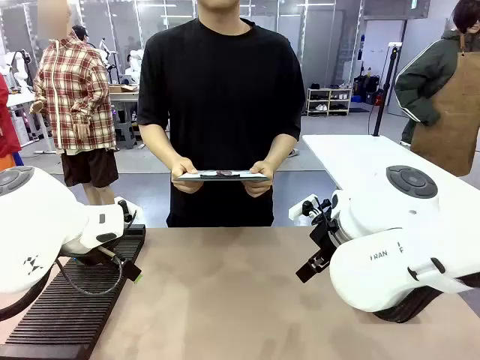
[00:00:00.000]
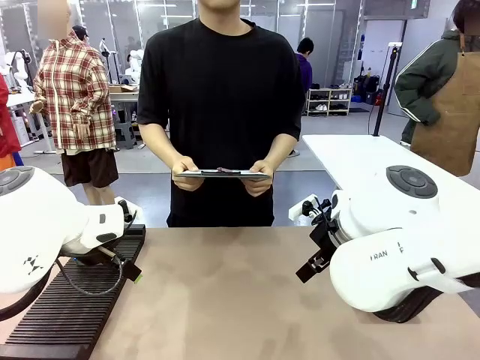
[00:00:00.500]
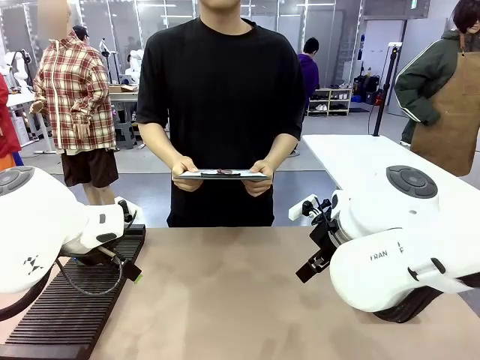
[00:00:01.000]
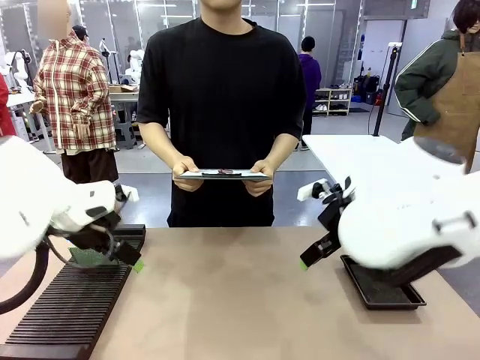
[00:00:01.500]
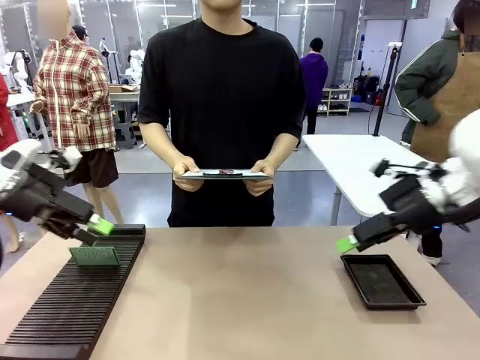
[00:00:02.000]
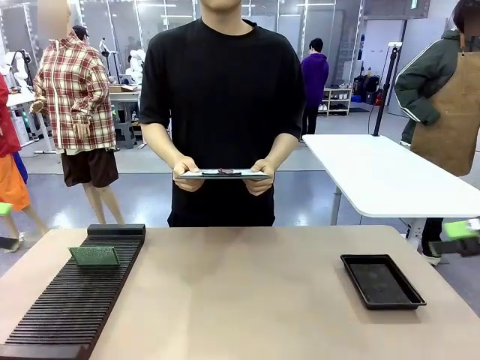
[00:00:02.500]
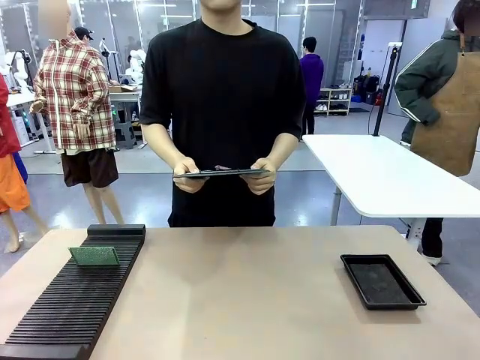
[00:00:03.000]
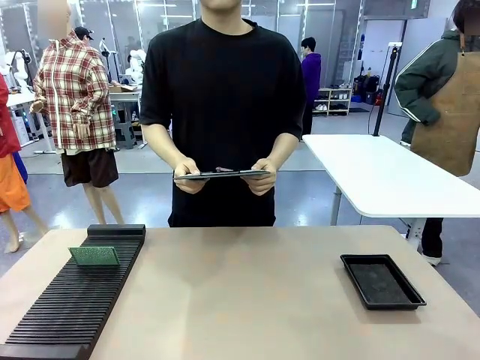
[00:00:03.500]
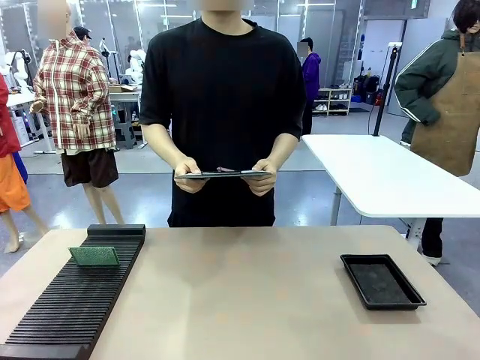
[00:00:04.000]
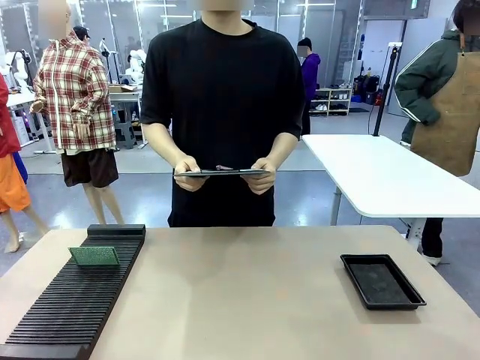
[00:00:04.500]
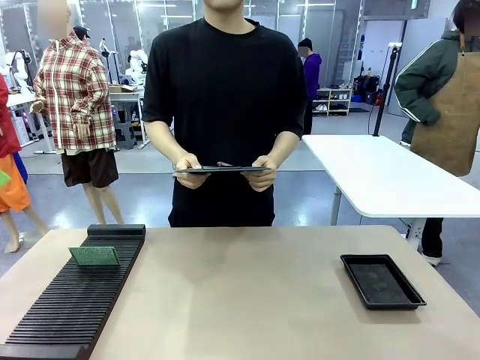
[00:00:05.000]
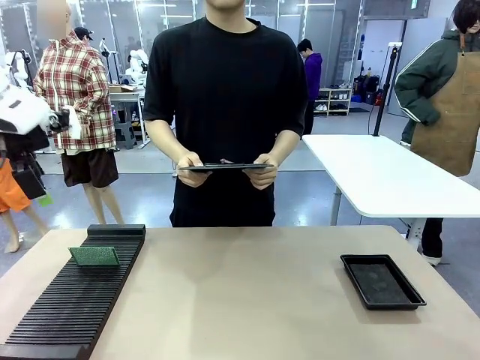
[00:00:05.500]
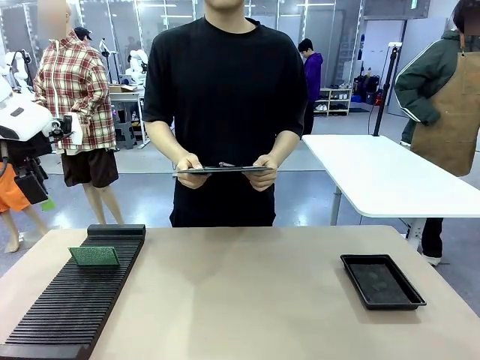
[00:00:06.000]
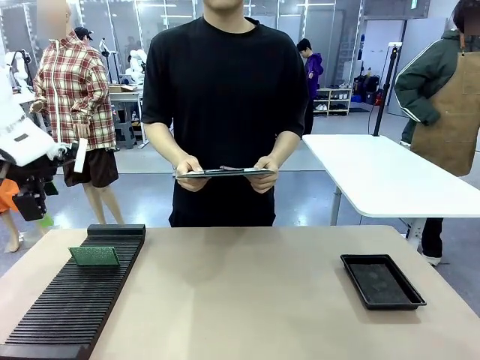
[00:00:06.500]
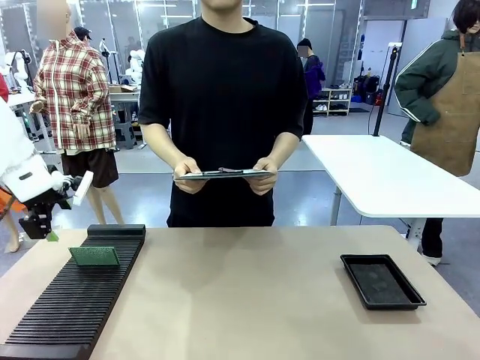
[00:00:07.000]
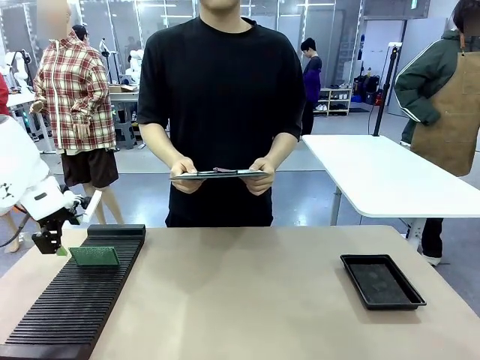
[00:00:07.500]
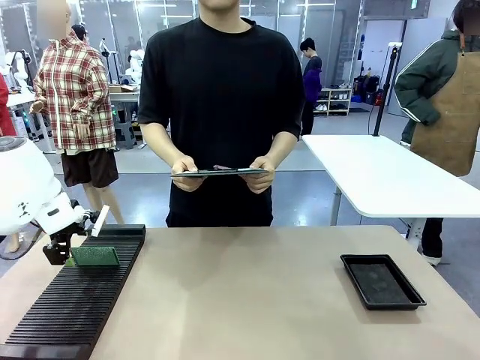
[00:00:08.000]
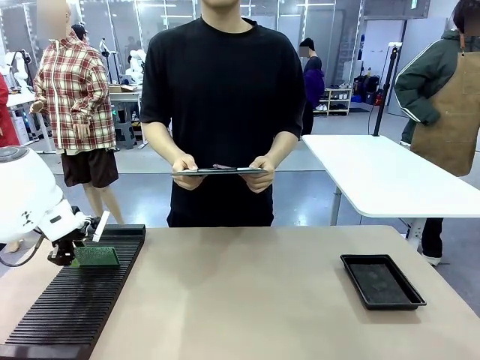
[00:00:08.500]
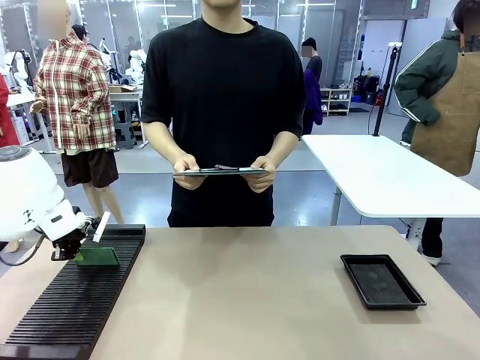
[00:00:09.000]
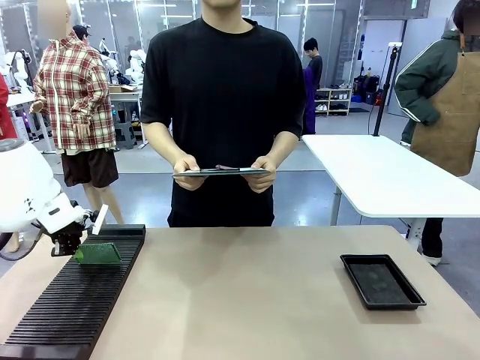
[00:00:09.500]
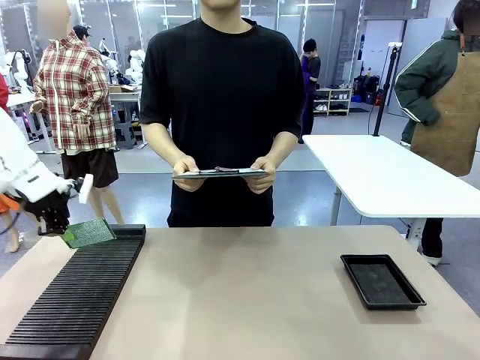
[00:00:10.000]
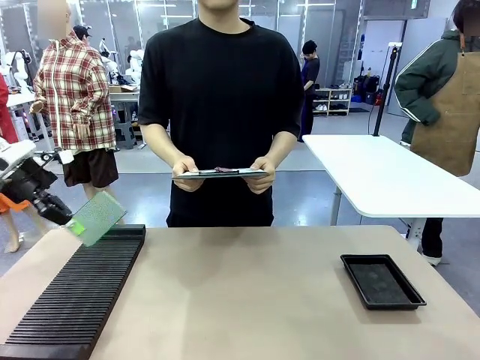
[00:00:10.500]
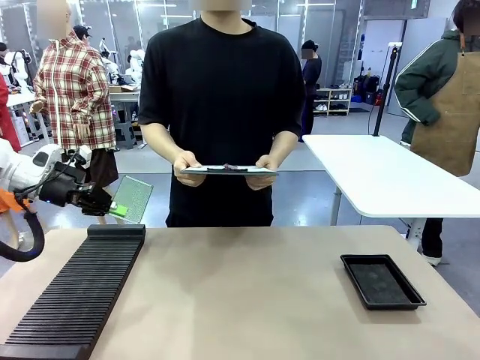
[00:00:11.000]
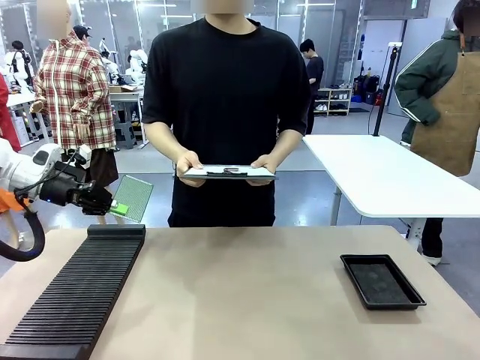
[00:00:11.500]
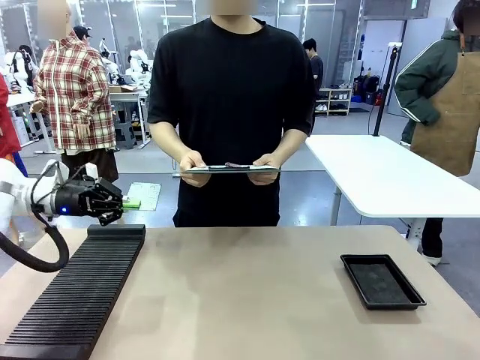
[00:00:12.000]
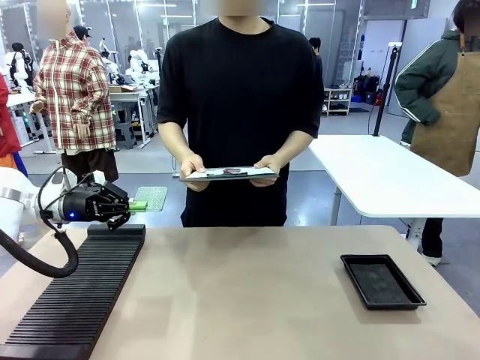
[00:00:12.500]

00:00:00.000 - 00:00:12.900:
Task: Inspect the PCB.
Robot: Pick up the Blank PCB and present it to the human.
Person: Pick up the PCB presented by the robot.

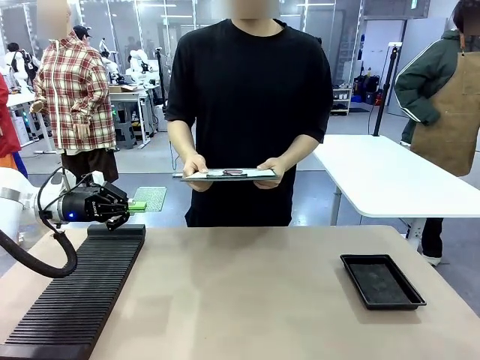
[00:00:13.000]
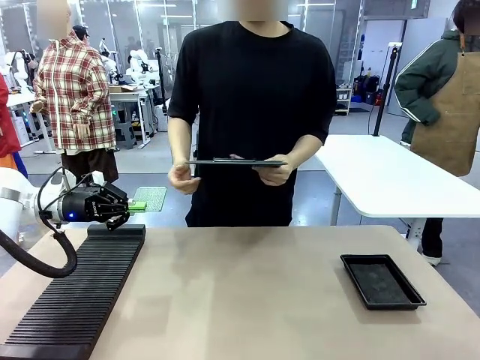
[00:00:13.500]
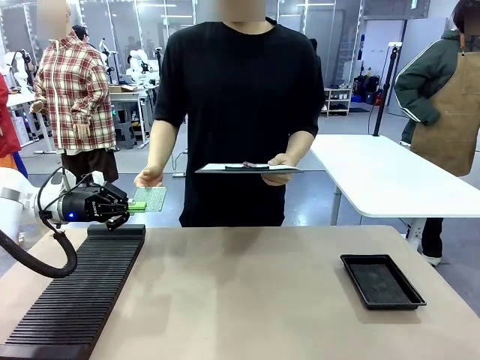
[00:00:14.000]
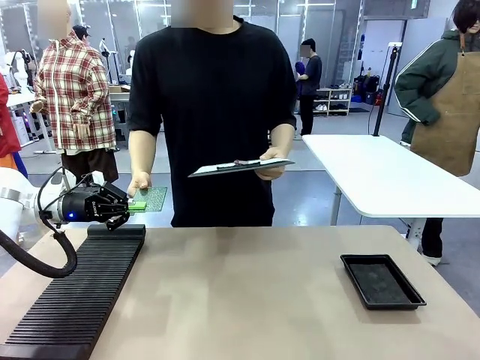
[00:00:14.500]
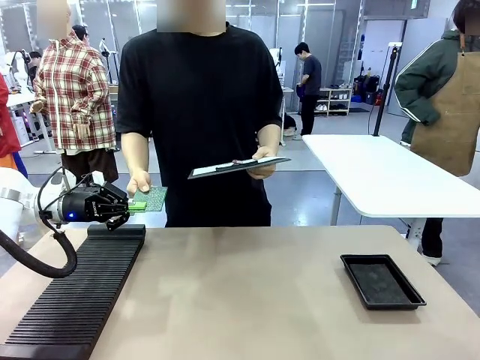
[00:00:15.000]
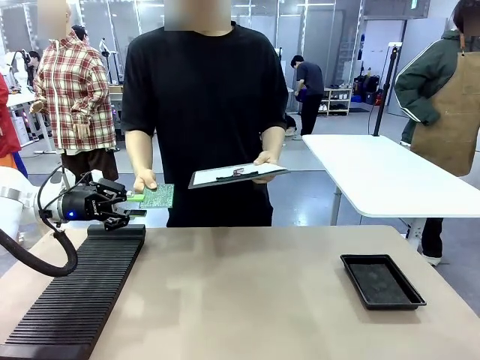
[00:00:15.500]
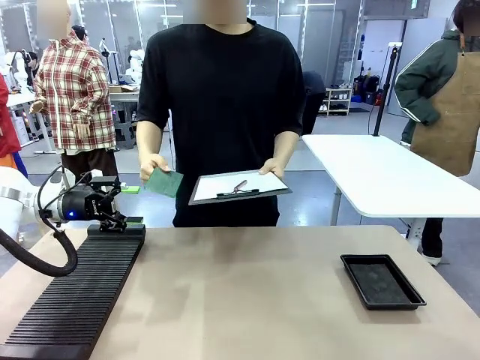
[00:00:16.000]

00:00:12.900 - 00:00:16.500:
Robot: Release the Blank PCB you were holding.

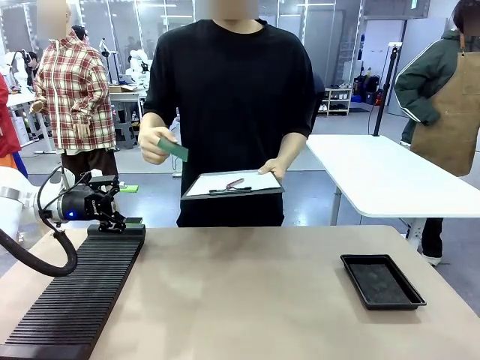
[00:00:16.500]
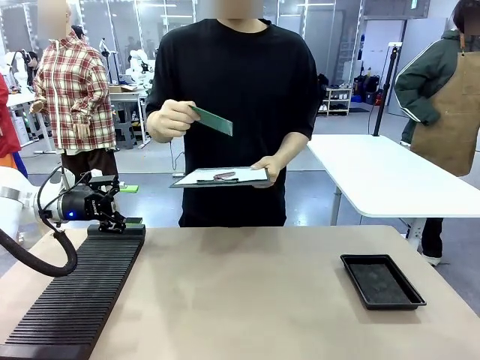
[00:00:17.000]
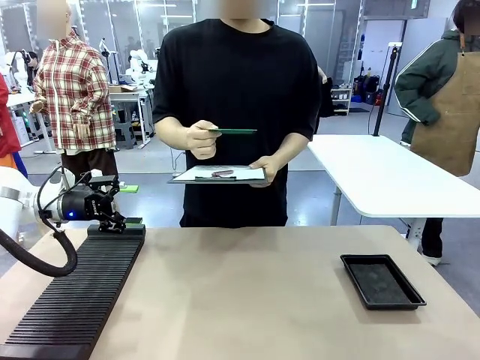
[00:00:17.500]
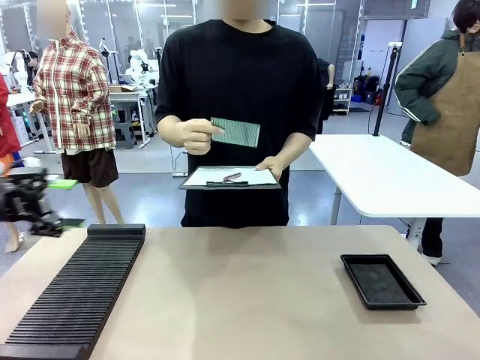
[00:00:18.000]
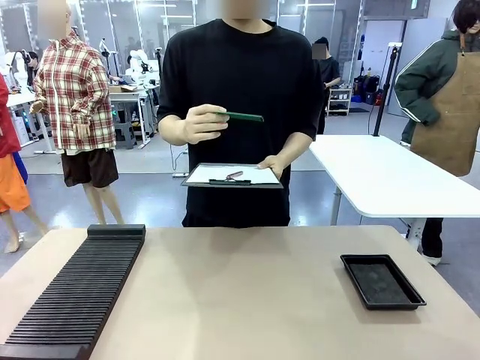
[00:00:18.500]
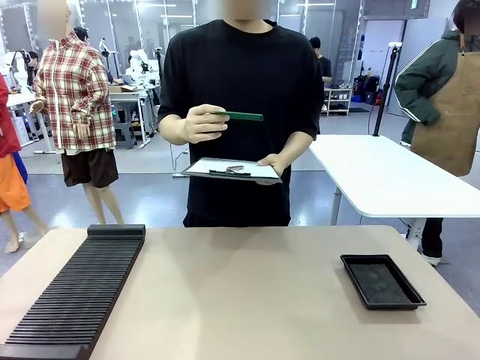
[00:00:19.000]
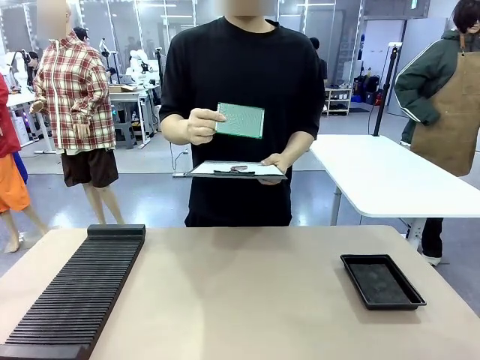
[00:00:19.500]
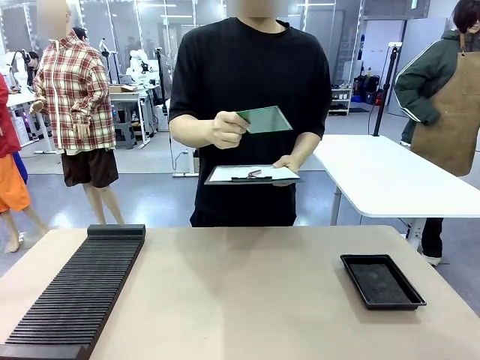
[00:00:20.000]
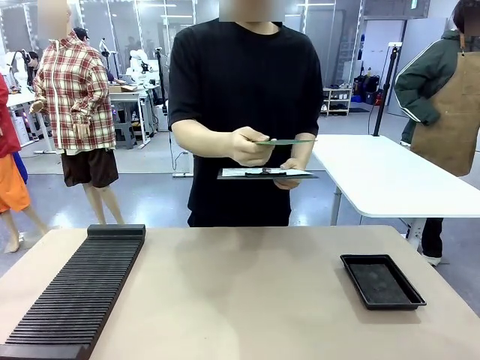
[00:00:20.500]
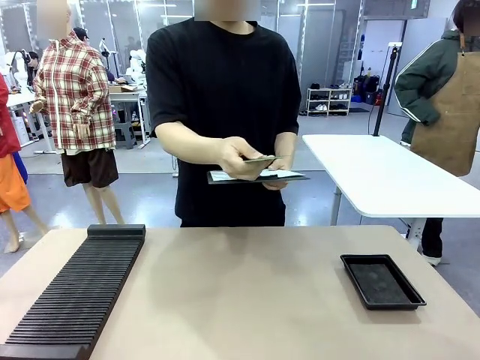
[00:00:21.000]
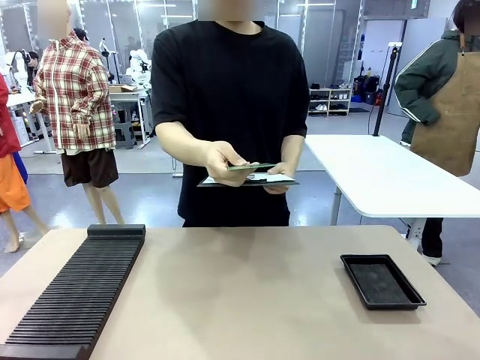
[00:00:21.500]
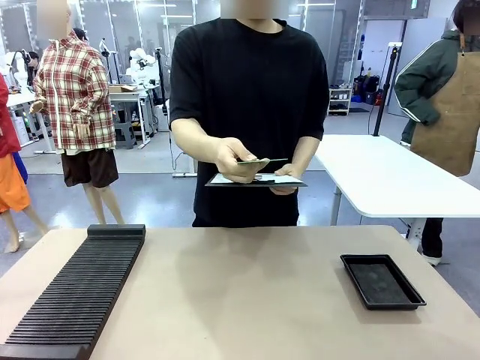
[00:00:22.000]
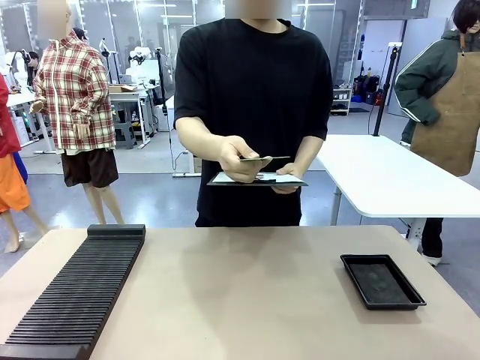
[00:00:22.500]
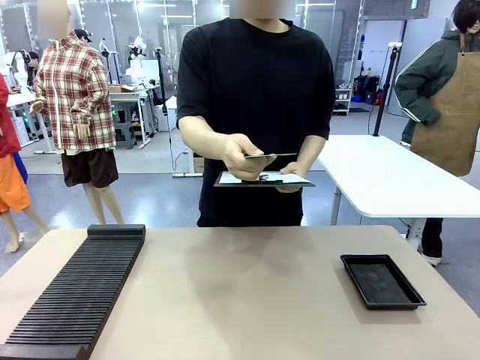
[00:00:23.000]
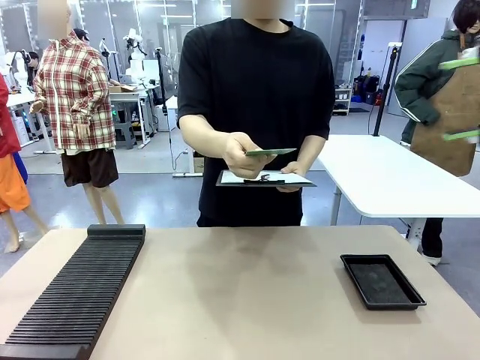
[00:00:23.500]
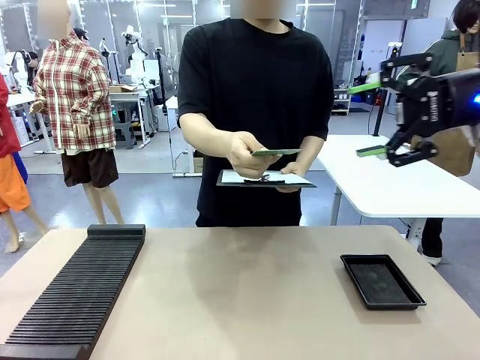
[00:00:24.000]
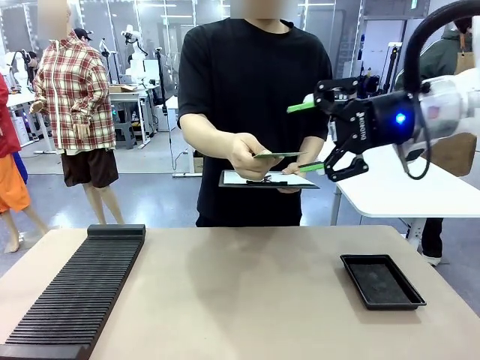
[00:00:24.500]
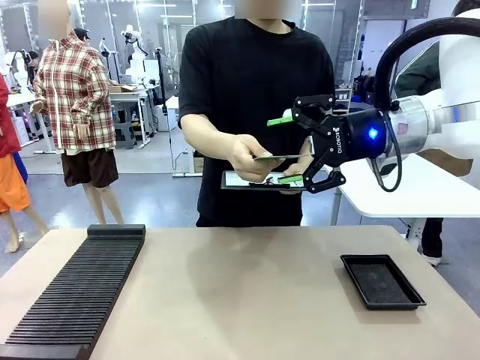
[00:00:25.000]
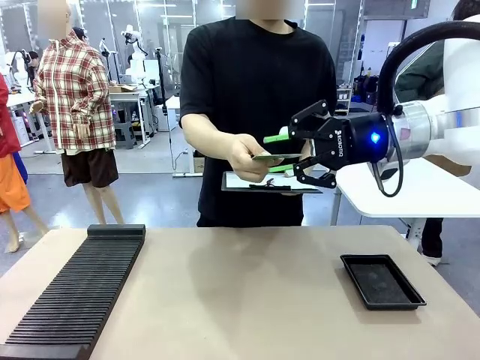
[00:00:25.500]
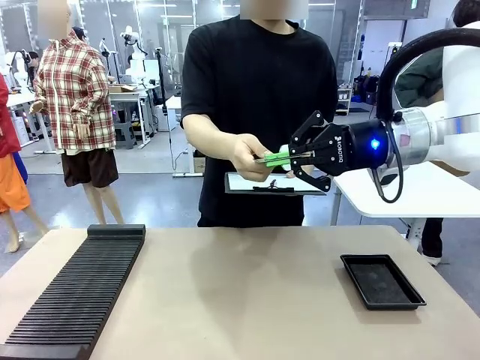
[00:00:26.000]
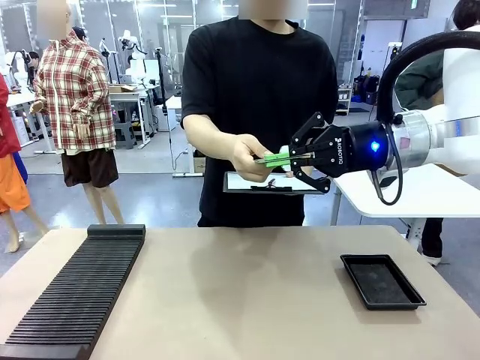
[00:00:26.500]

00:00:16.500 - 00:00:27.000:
Robot: Pick up the Blank PCB that the human is holding.
Person: Inspect the PCB placed by the robot, then hold it out in front of the robot. Release the PCB you were holding.
